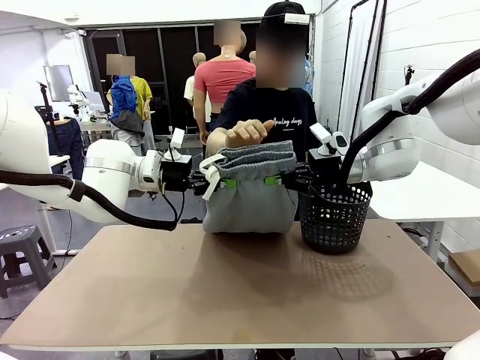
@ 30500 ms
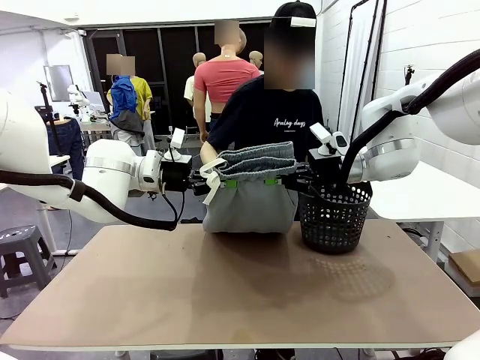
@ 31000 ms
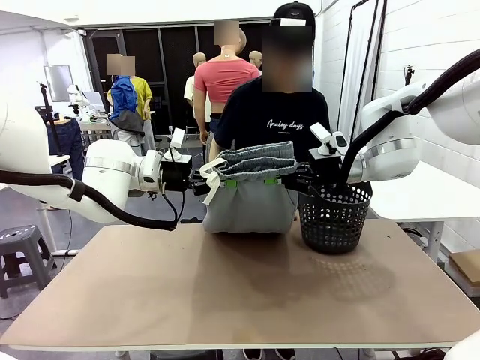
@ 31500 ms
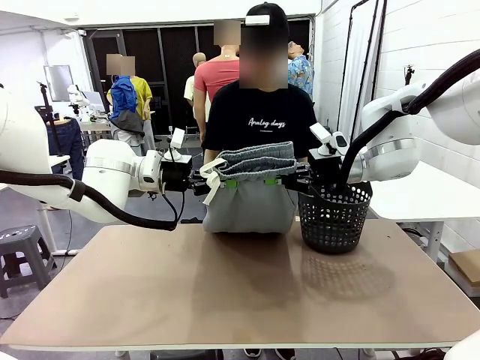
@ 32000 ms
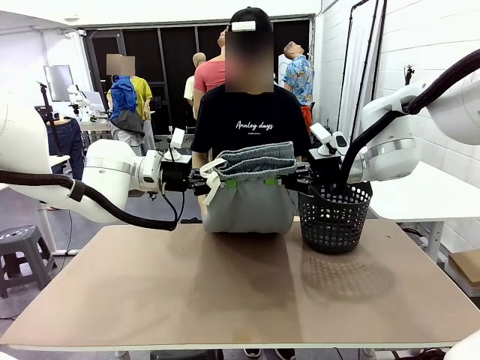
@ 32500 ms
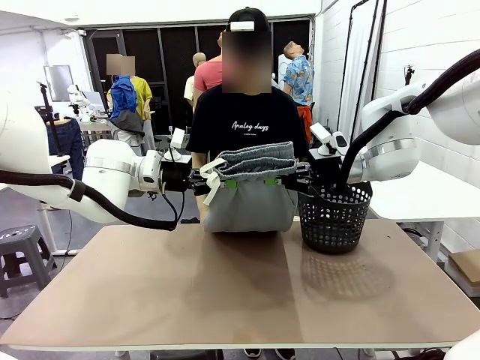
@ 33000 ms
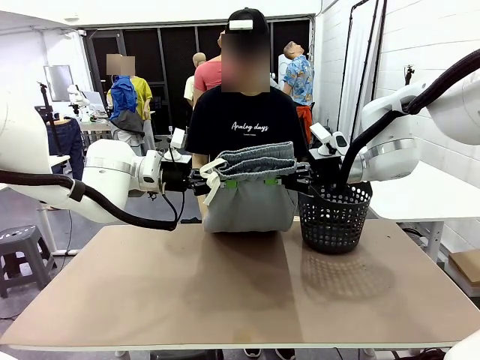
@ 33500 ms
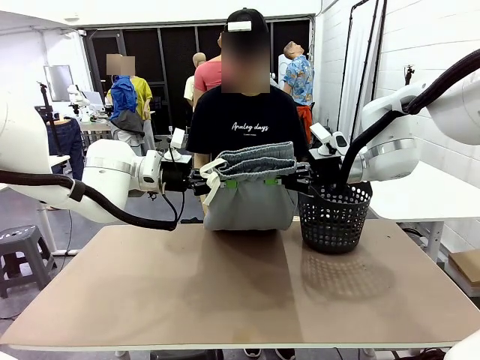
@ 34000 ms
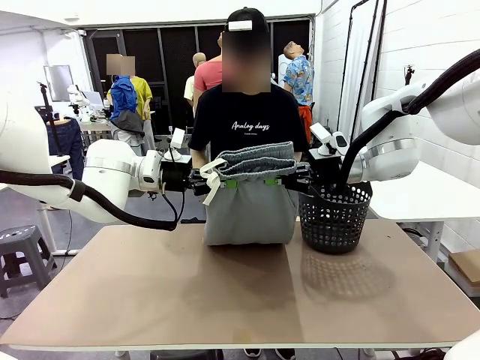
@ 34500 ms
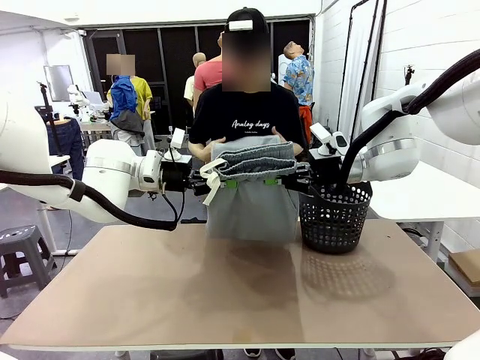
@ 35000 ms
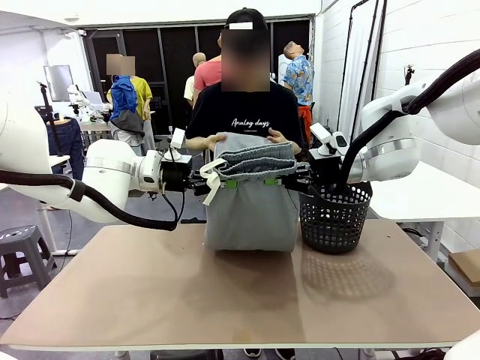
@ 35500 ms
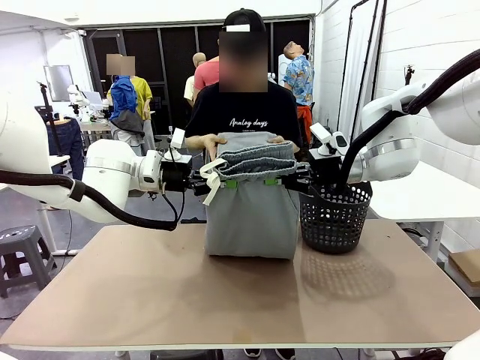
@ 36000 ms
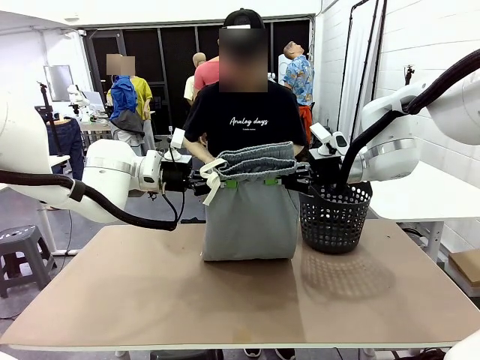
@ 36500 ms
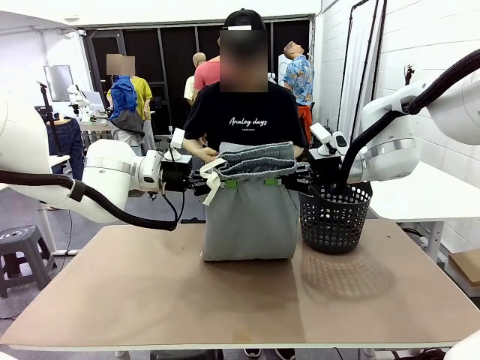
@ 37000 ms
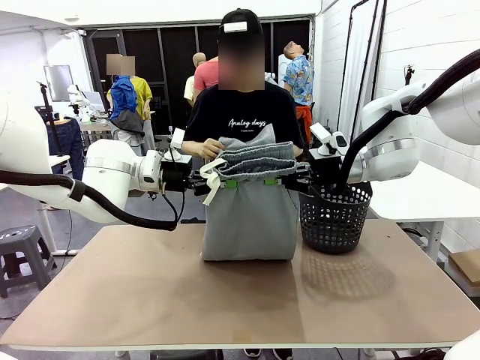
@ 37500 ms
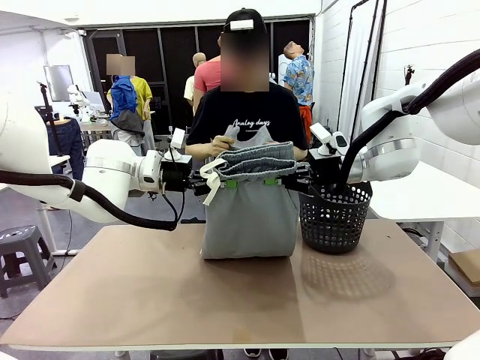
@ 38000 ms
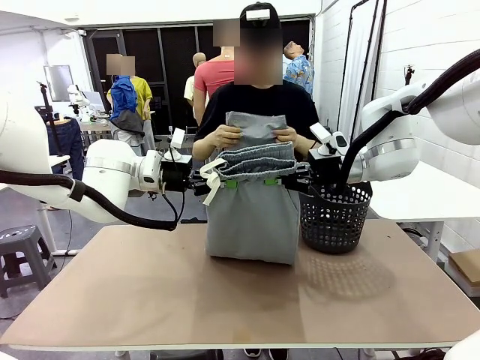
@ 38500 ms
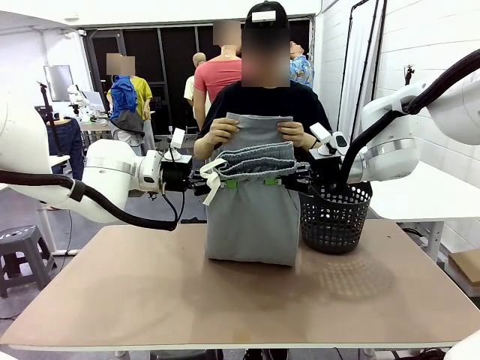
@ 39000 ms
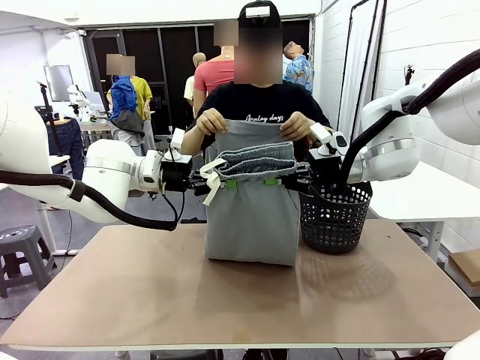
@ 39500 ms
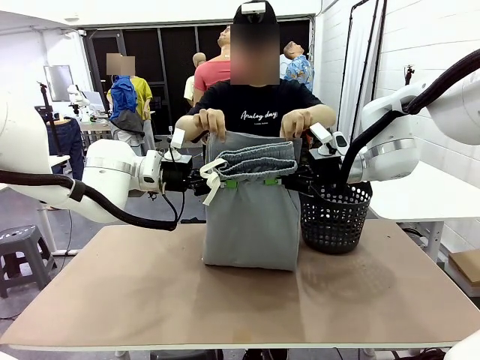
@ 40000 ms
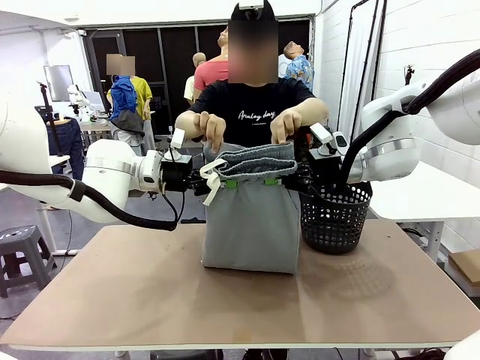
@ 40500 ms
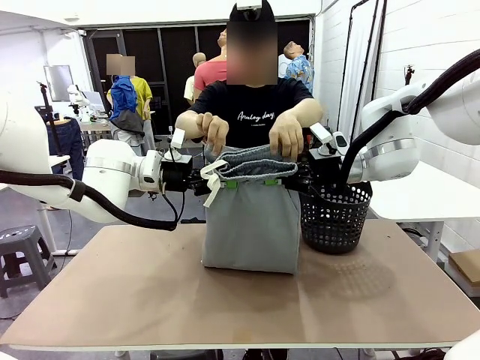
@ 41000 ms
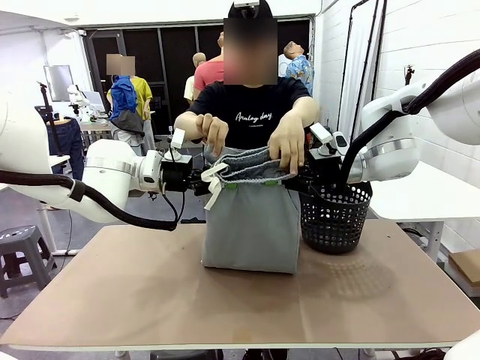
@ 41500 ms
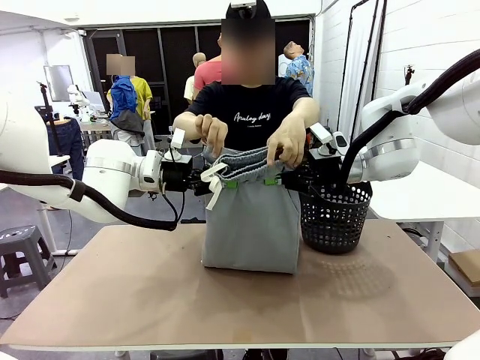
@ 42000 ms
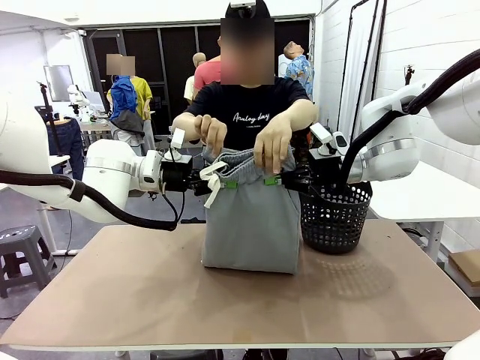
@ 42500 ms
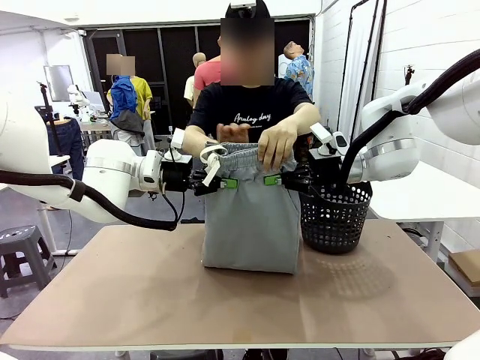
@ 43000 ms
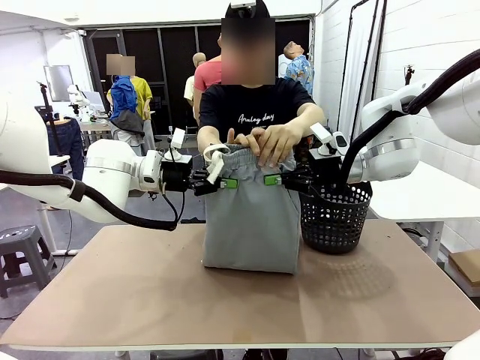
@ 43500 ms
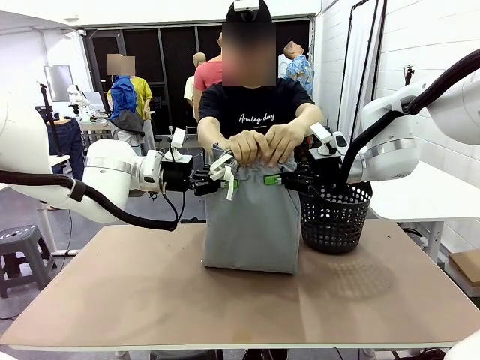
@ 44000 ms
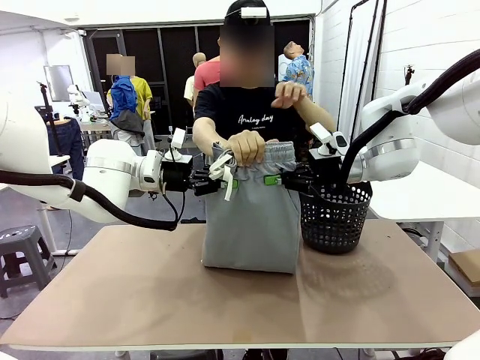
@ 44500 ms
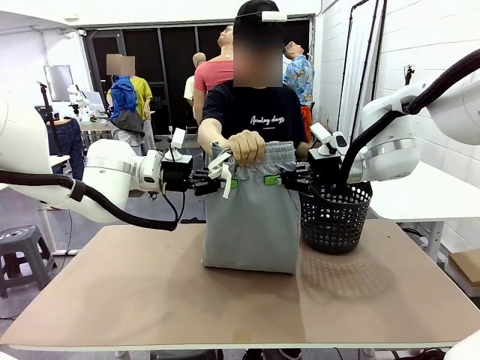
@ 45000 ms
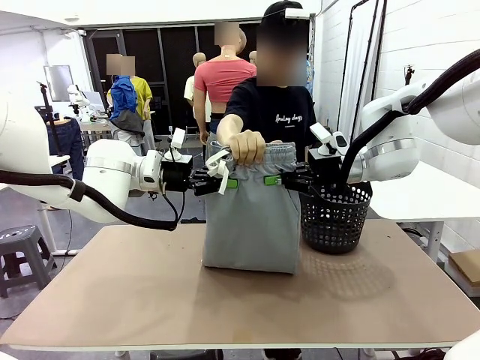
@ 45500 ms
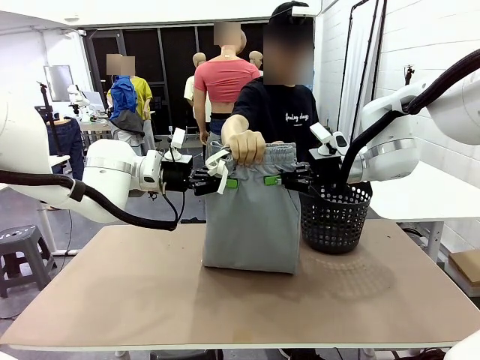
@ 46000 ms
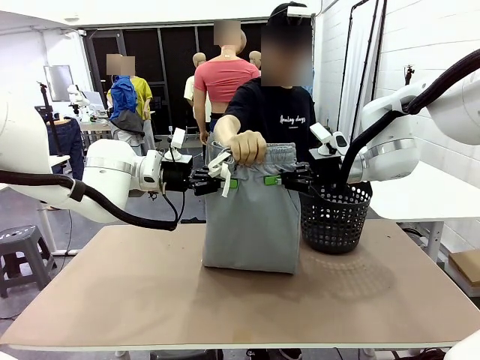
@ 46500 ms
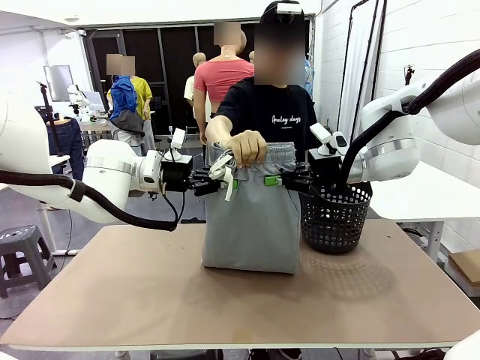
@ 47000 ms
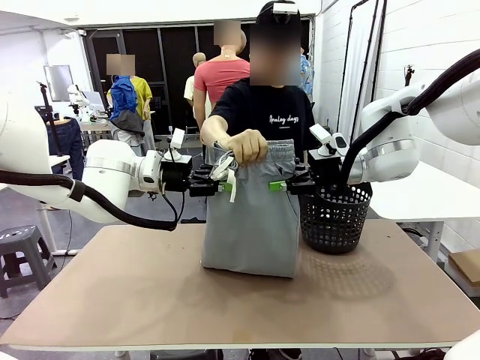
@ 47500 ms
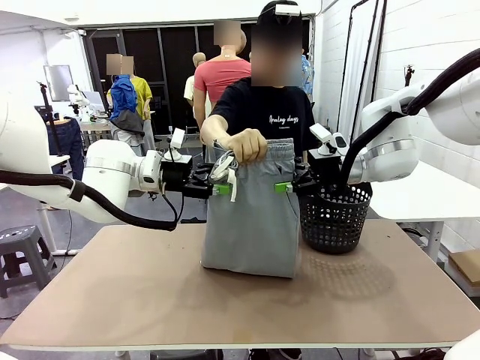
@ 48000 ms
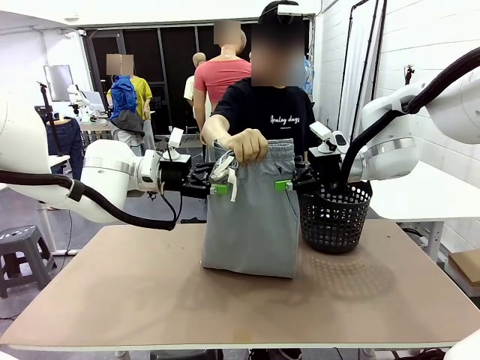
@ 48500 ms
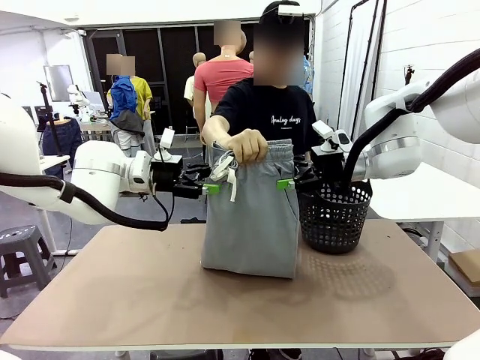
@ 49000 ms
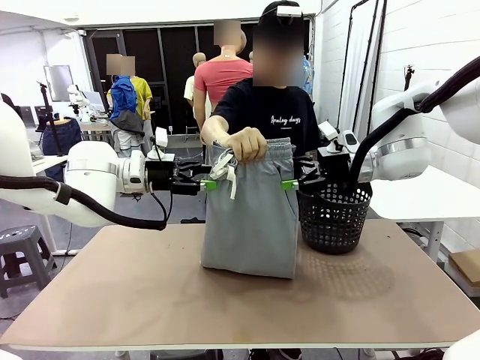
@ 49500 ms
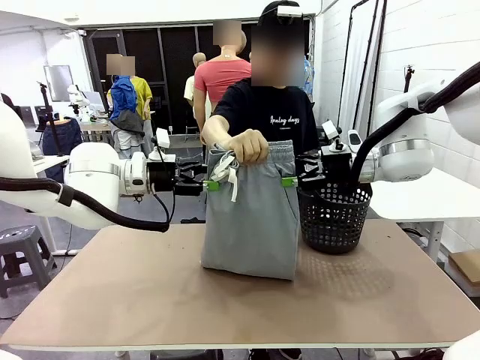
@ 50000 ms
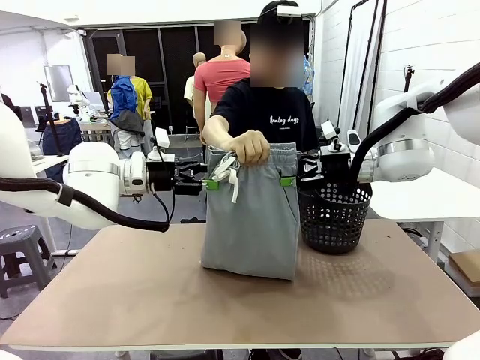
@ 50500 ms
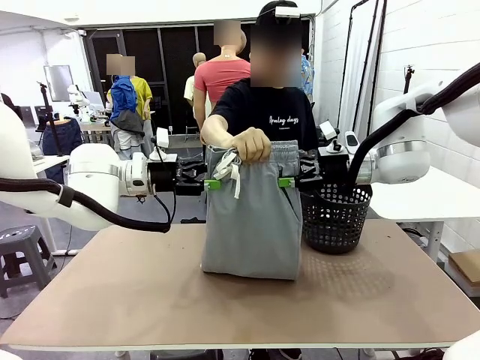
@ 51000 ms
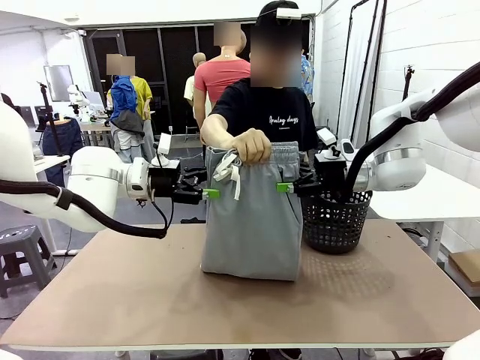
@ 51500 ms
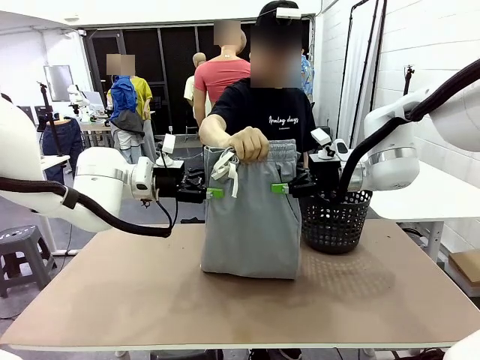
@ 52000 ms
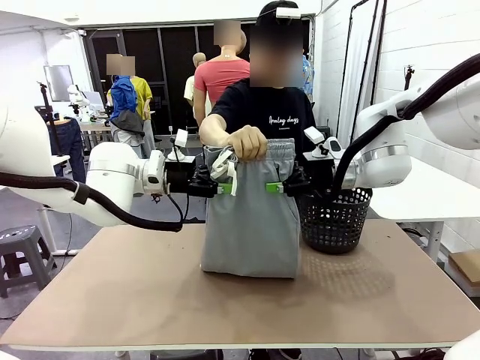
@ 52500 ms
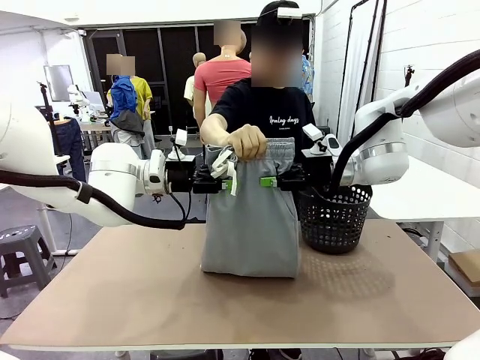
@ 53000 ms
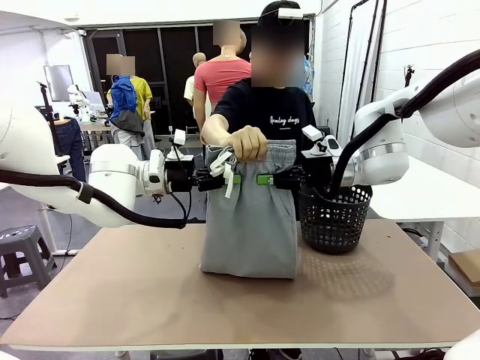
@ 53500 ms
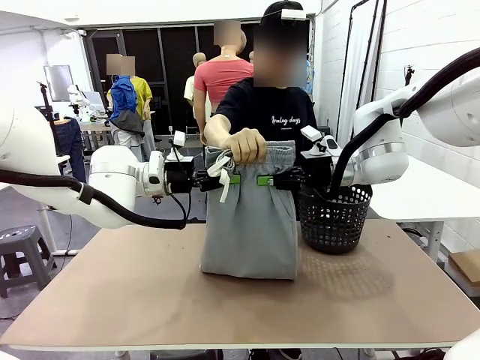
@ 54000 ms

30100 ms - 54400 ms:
Task: Fold the training pants.
Robot: Release the ends of the Training pants and then grab the overlapped ends.
Person: Grasp the end opposite the point the robot is holding, fold the pants in half, and then grasp the overlapping top end of the folded pants. Release the pants you were holding.
